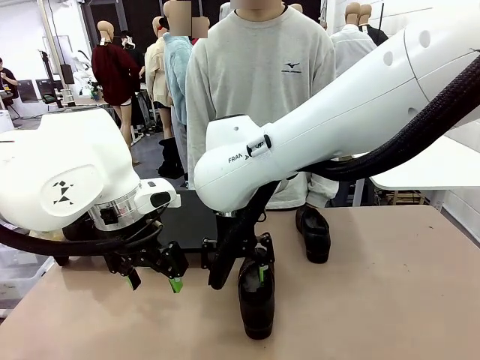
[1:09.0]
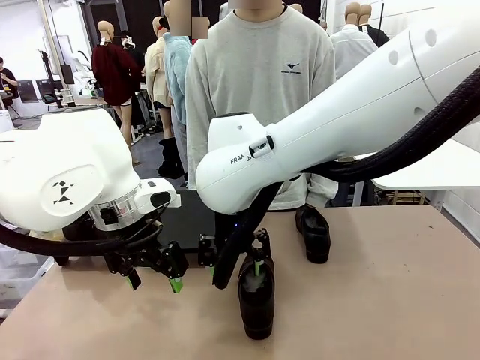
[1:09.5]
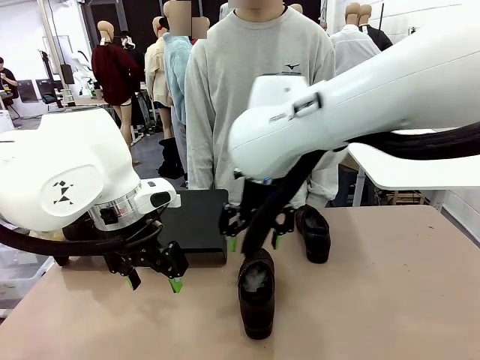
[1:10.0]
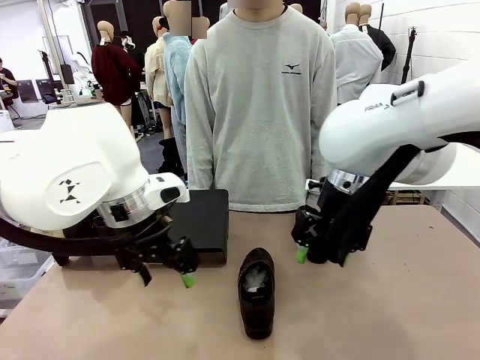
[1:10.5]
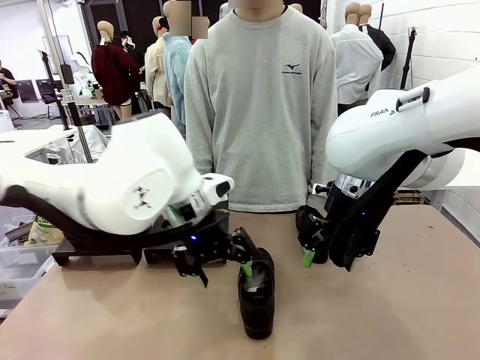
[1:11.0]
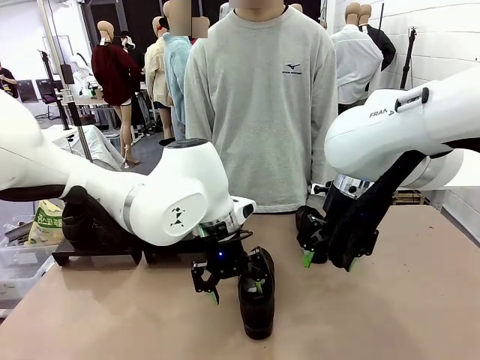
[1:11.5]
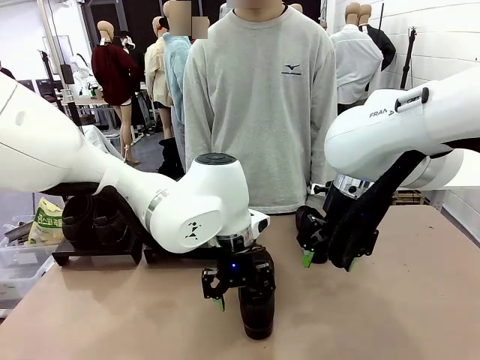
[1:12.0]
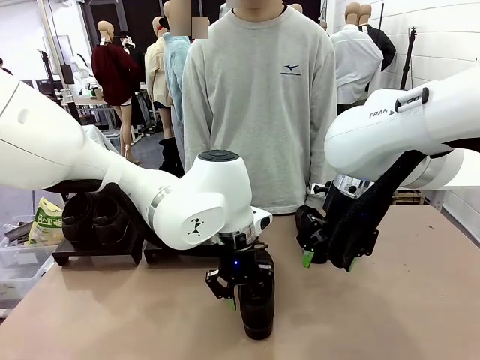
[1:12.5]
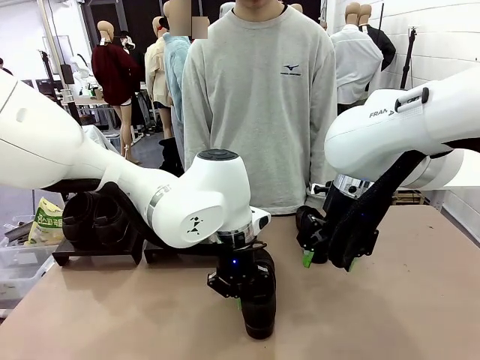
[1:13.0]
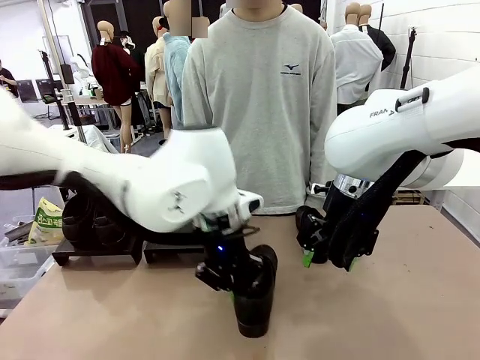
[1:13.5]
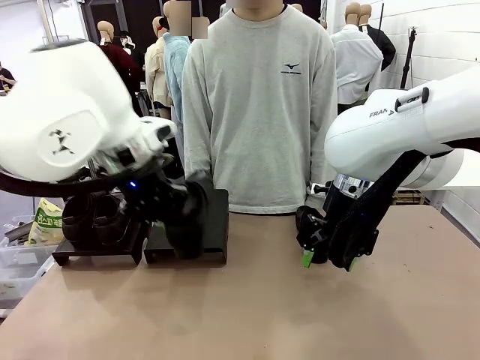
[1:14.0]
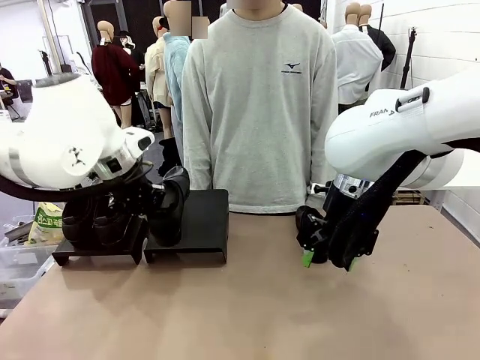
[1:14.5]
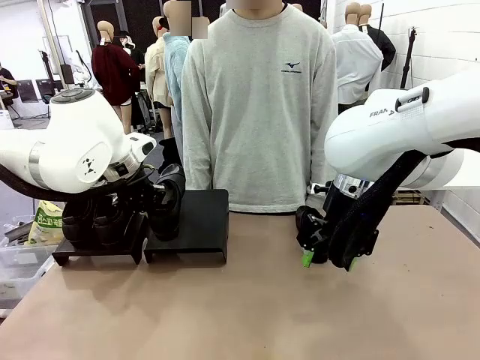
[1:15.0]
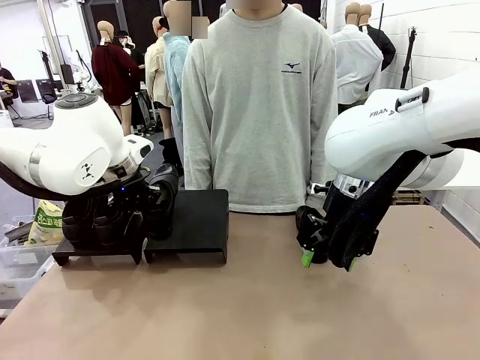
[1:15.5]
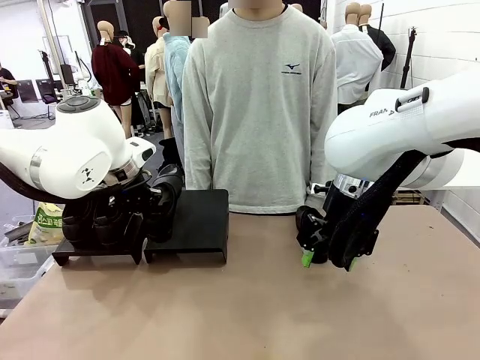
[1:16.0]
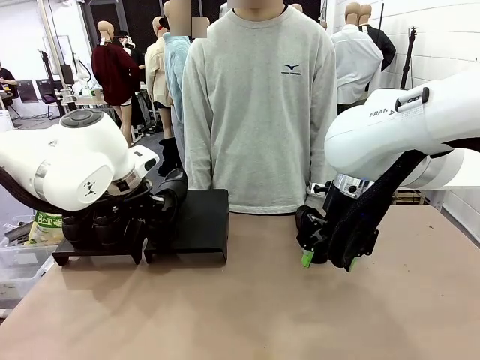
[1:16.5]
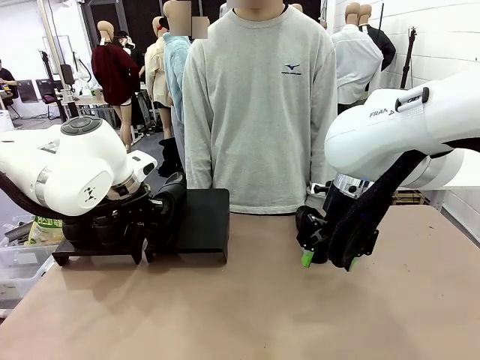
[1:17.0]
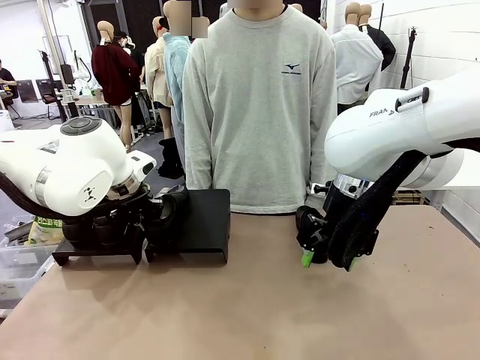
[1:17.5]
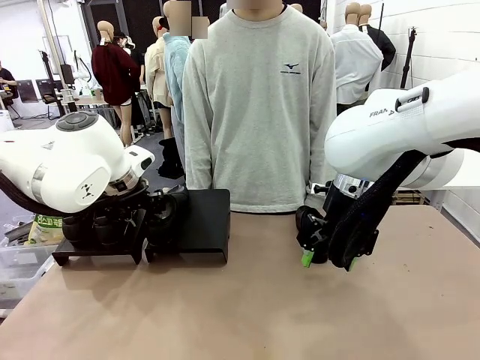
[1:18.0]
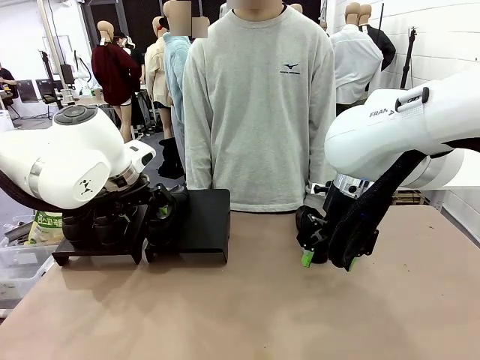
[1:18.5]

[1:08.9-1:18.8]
Task: Organize the shoes by placing them on the stand.
Robot: Place the Shoe from the middle of the table onto the Shoes Stand.

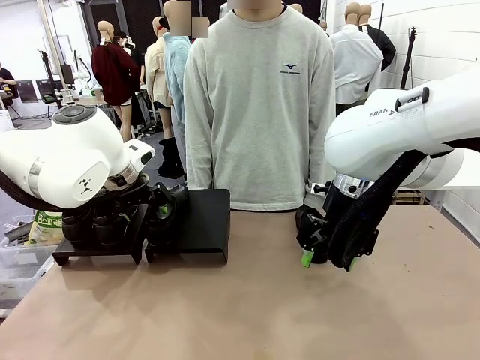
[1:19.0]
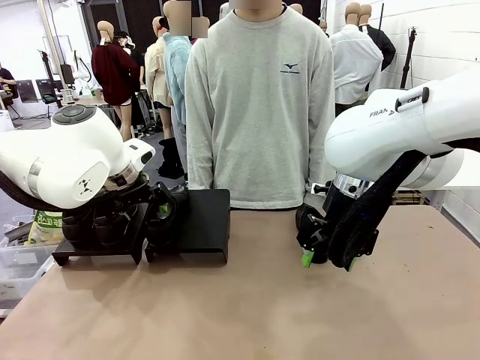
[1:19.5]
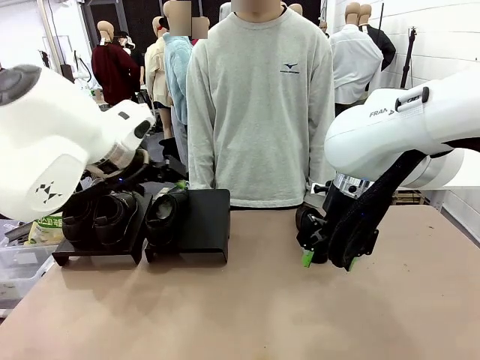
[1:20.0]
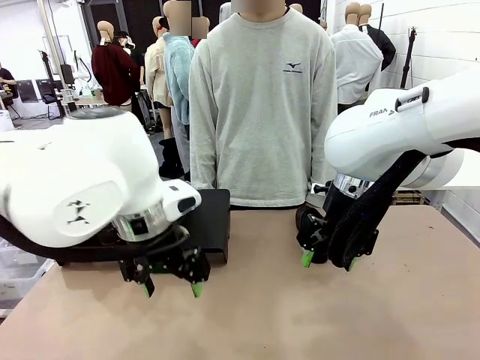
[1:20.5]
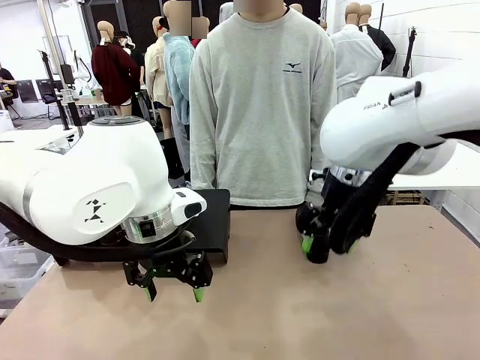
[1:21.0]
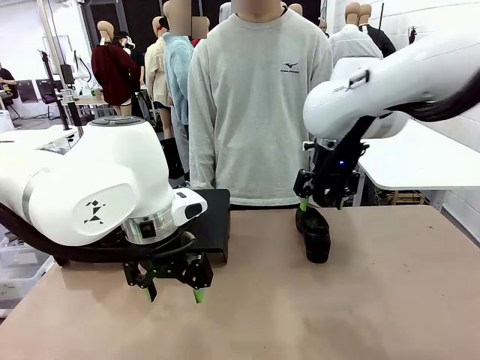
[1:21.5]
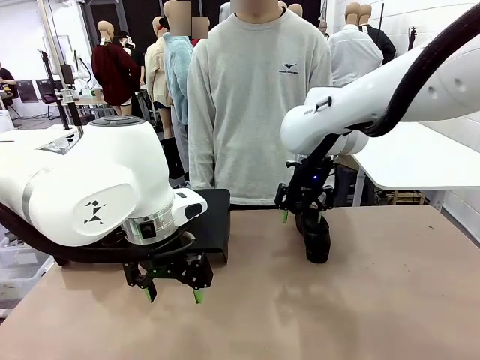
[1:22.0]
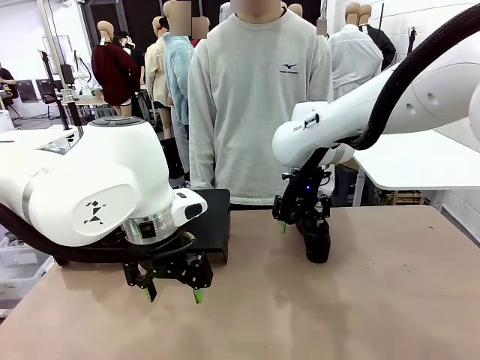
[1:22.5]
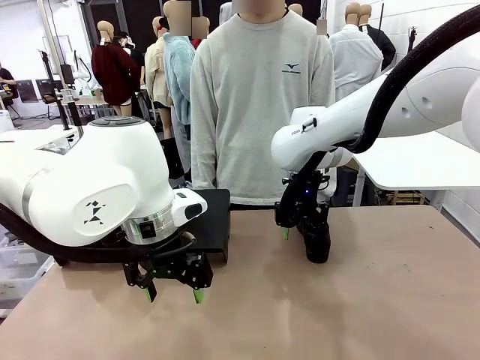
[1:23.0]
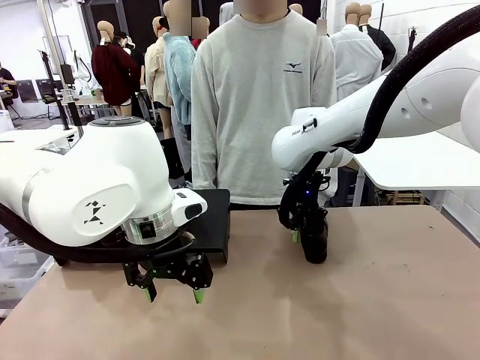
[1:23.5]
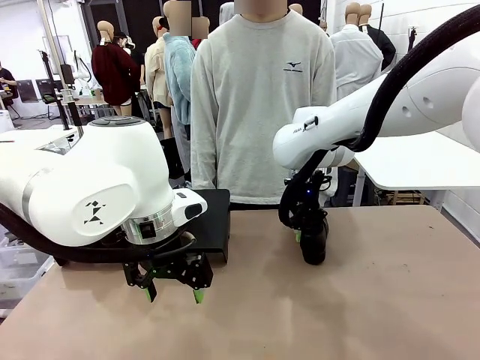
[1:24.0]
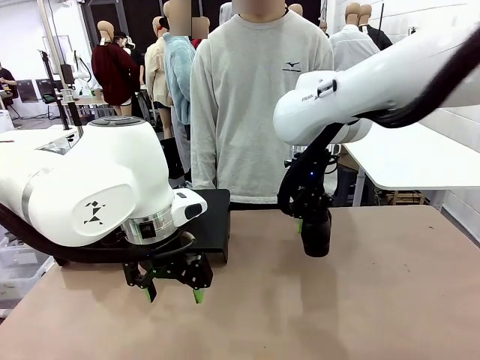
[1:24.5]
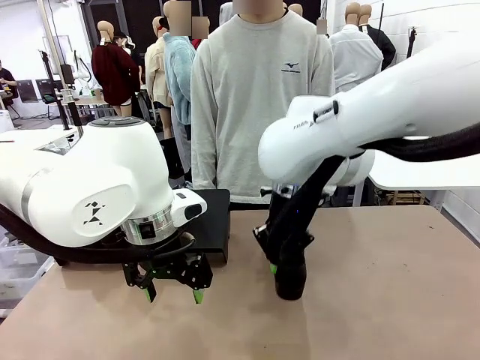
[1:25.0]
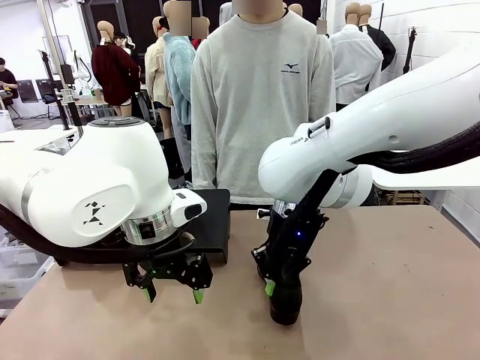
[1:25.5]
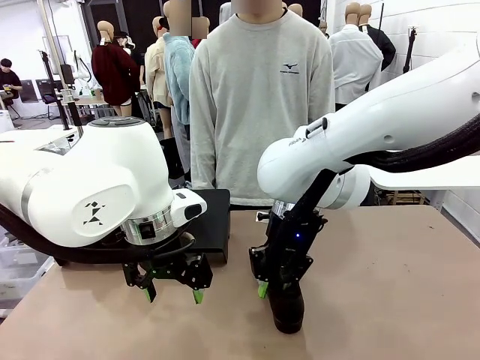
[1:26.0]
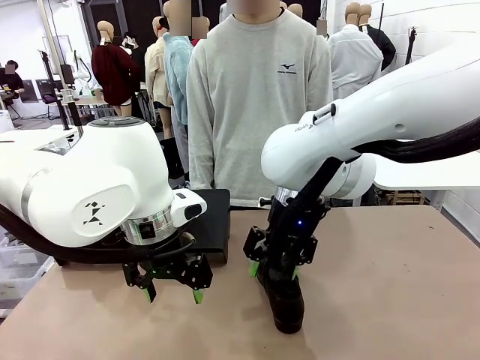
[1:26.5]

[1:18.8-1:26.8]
Robot: Pick up one Shoe and place it in the middle of the table.

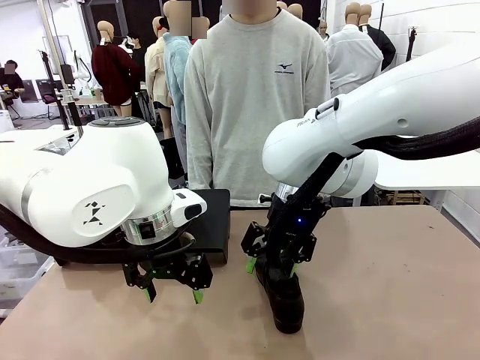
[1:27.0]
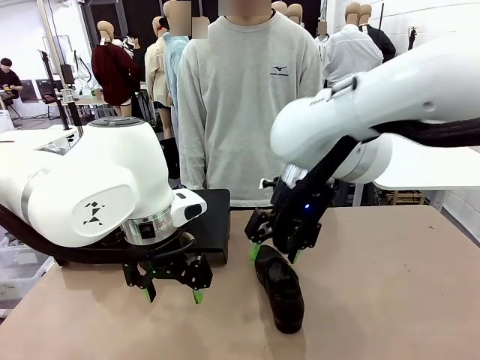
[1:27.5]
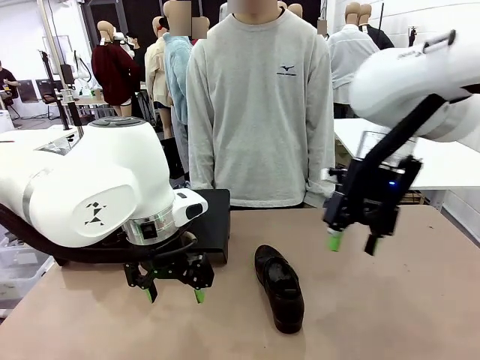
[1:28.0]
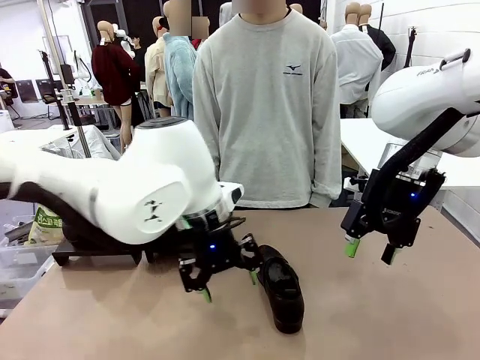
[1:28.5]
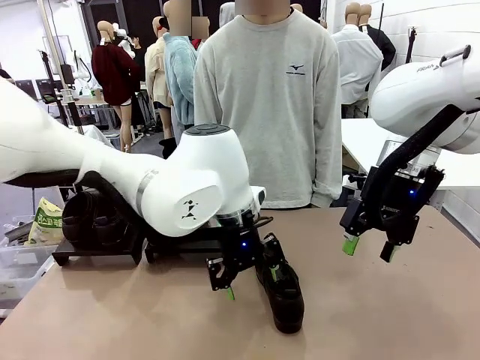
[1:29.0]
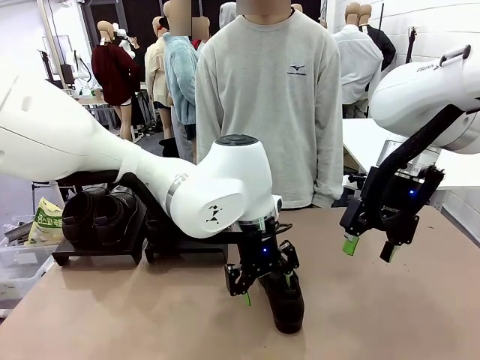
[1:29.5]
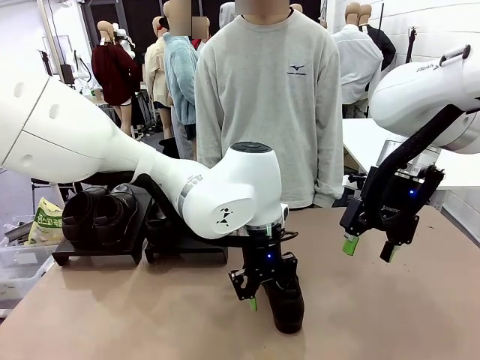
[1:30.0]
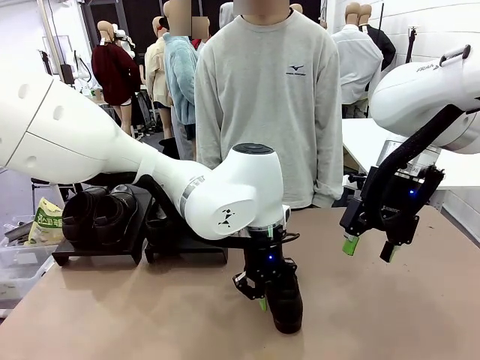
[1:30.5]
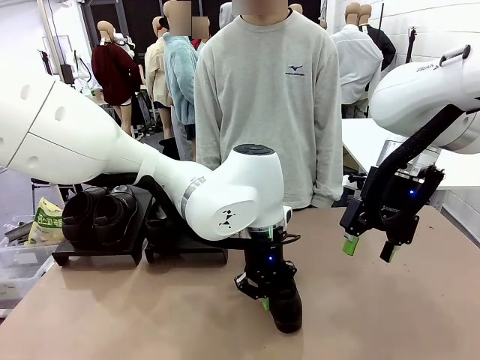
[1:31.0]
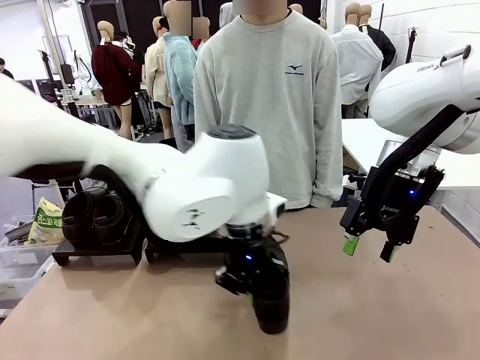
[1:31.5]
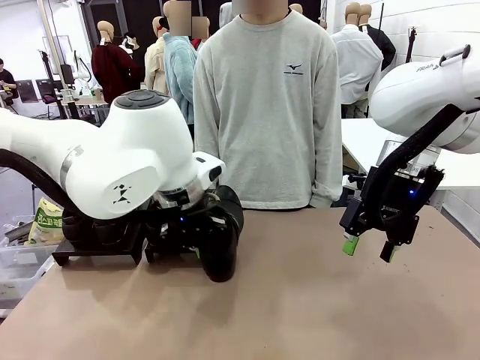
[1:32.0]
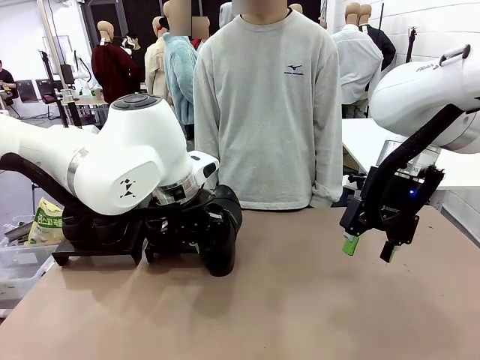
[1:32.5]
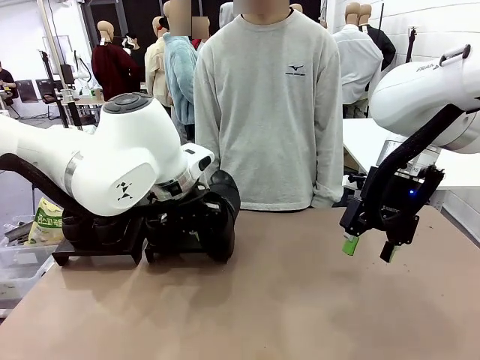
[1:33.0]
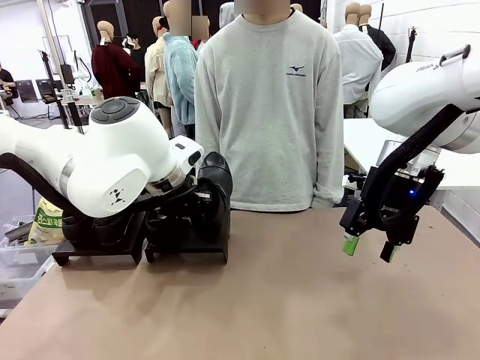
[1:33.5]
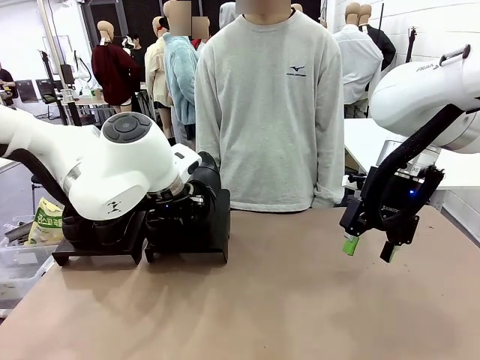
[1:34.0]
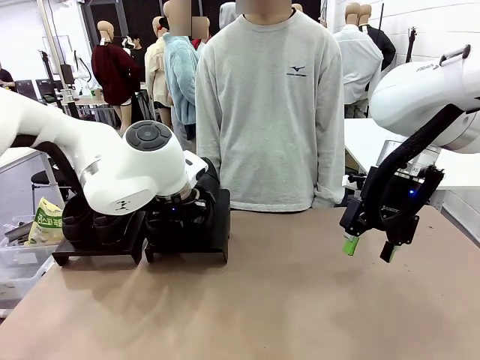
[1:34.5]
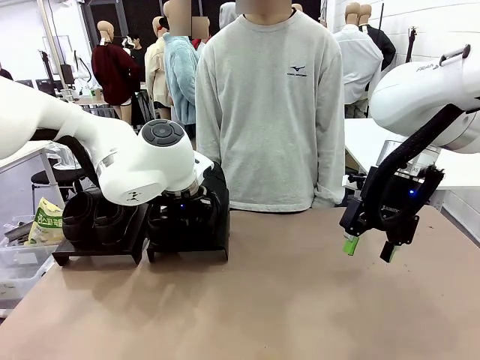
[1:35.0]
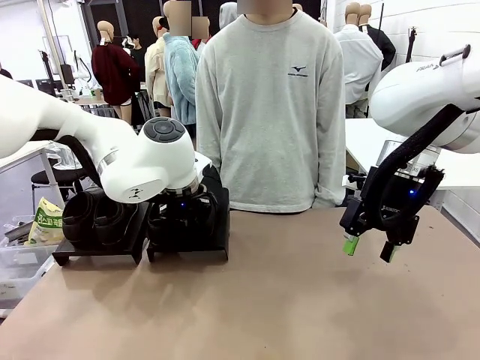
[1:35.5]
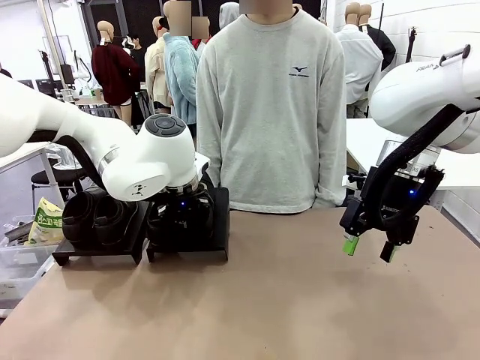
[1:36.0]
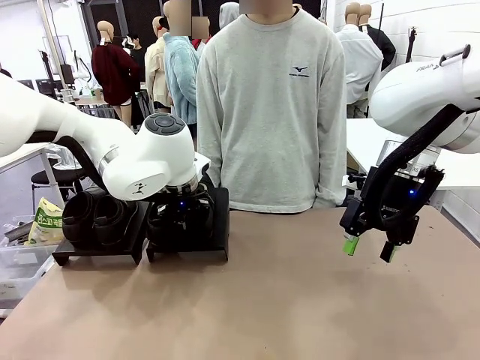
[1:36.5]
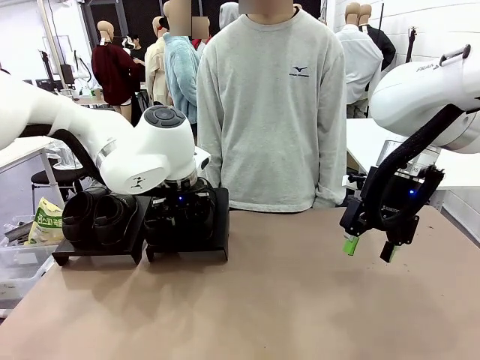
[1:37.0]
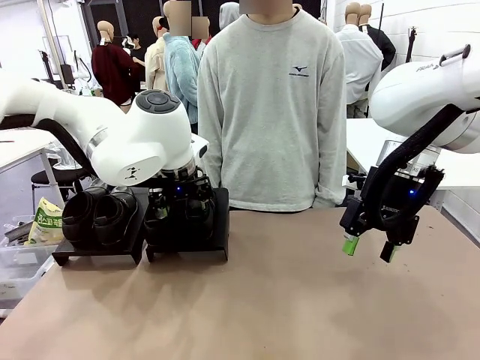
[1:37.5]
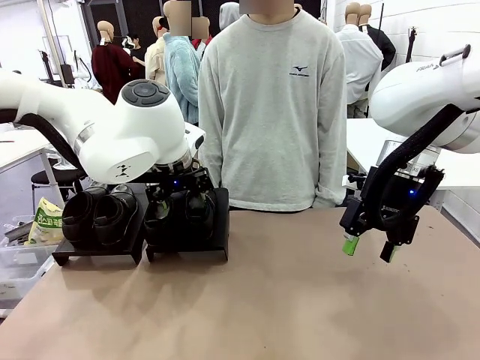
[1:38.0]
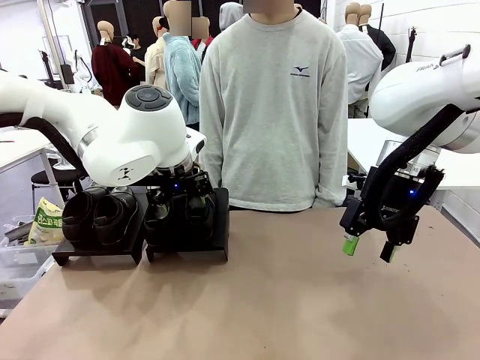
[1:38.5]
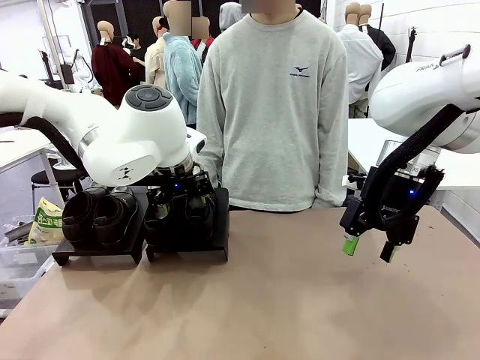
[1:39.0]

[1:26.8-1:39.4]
Robot: Place the Shoe from the middle of the table onto the Shoes Stand.
